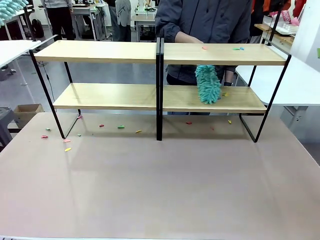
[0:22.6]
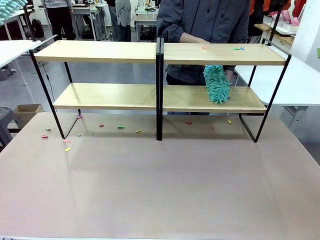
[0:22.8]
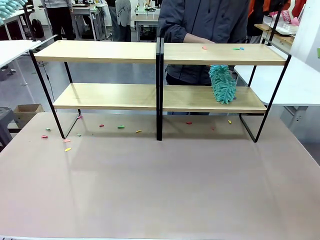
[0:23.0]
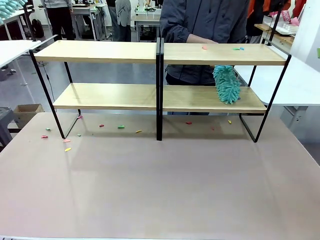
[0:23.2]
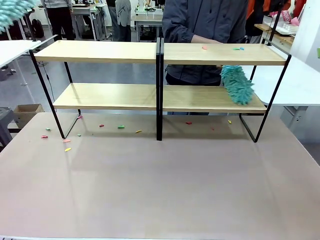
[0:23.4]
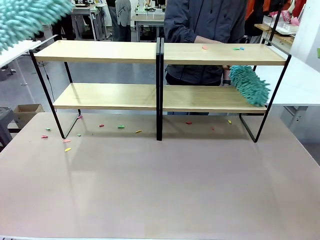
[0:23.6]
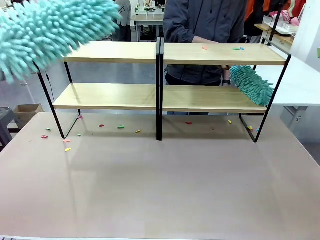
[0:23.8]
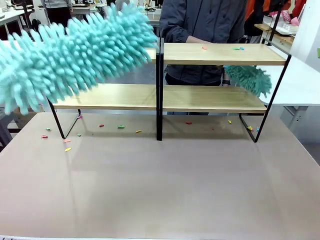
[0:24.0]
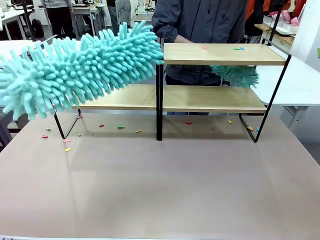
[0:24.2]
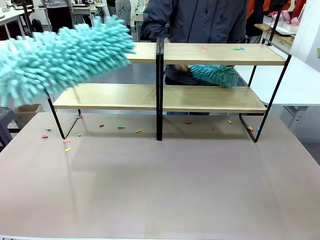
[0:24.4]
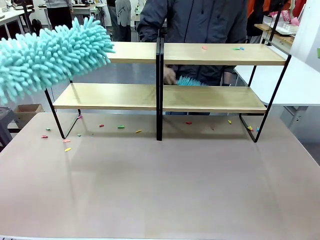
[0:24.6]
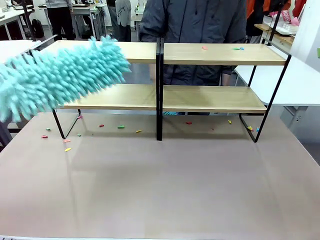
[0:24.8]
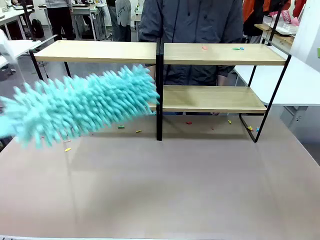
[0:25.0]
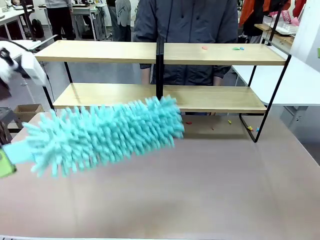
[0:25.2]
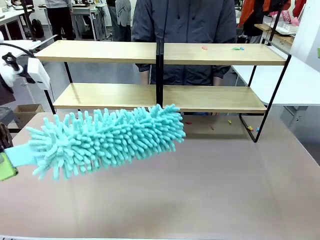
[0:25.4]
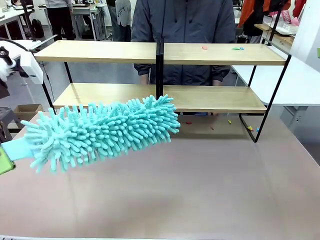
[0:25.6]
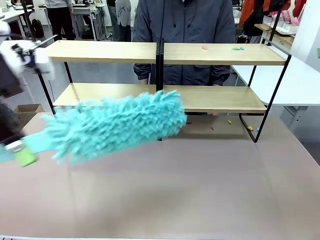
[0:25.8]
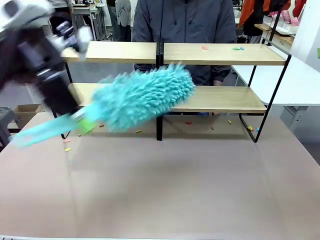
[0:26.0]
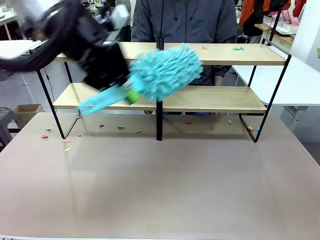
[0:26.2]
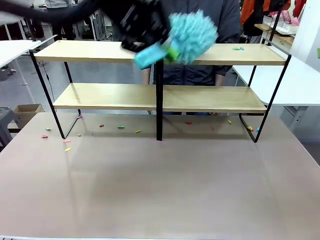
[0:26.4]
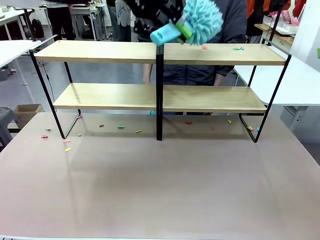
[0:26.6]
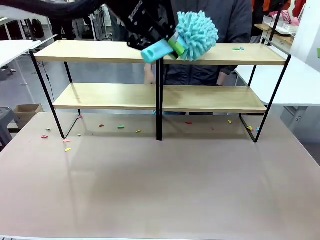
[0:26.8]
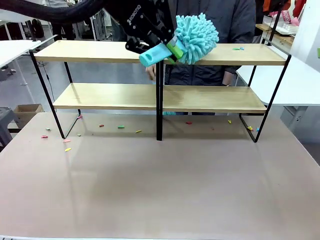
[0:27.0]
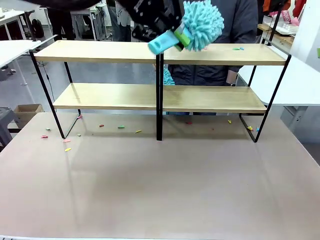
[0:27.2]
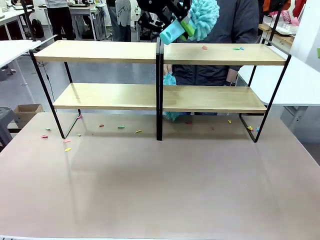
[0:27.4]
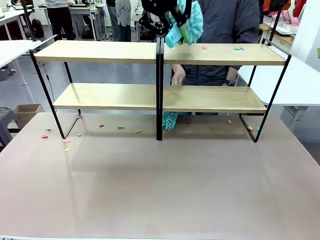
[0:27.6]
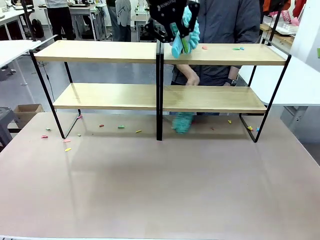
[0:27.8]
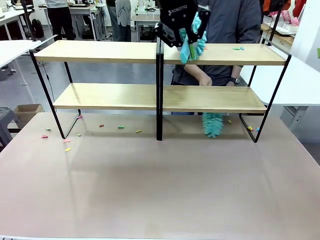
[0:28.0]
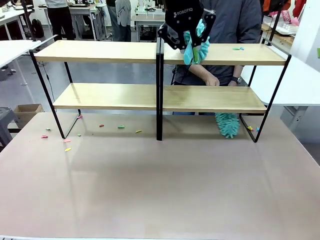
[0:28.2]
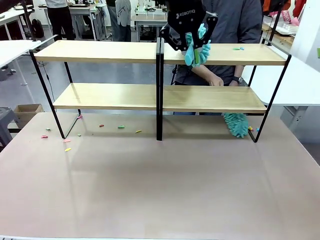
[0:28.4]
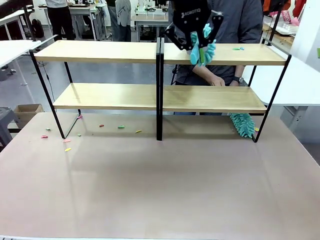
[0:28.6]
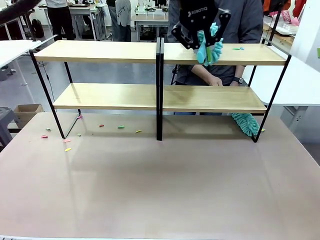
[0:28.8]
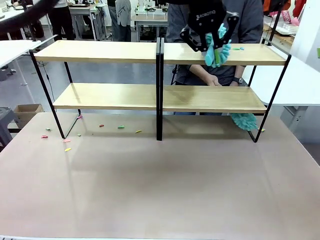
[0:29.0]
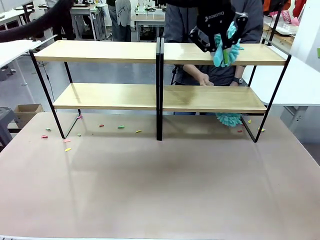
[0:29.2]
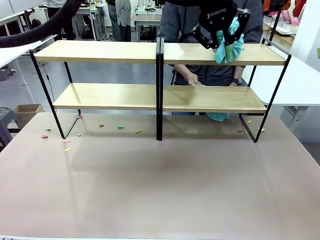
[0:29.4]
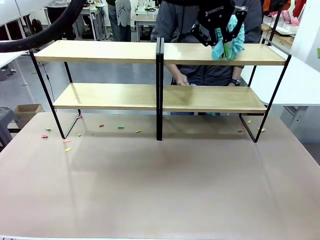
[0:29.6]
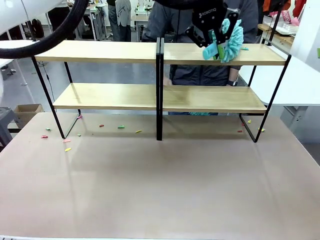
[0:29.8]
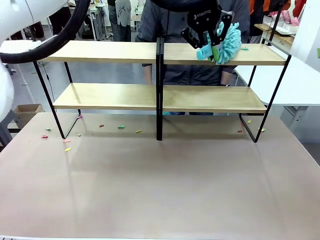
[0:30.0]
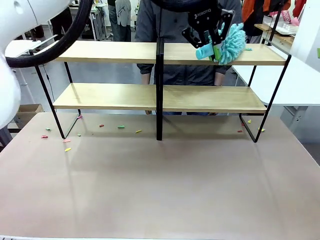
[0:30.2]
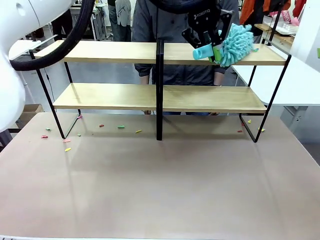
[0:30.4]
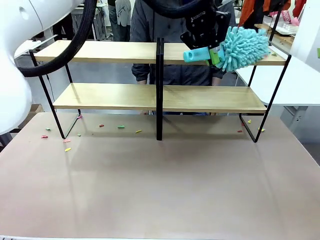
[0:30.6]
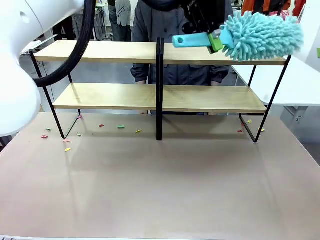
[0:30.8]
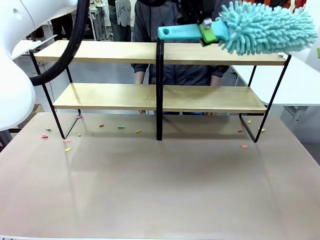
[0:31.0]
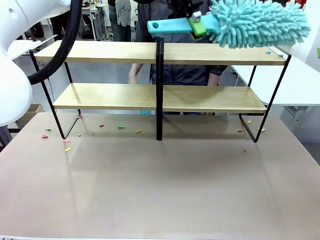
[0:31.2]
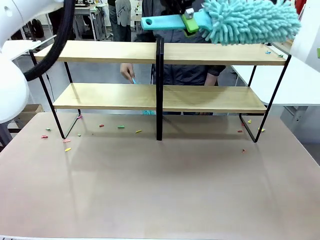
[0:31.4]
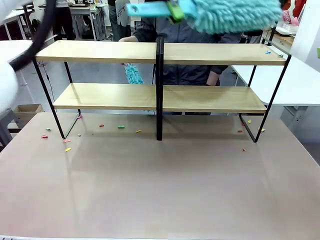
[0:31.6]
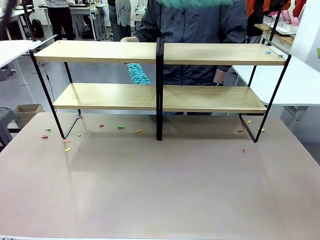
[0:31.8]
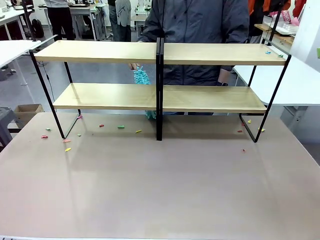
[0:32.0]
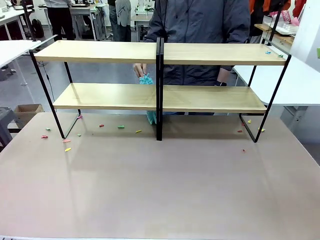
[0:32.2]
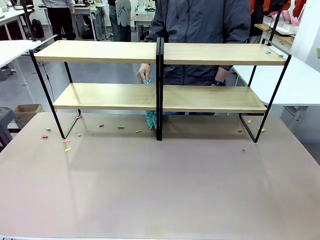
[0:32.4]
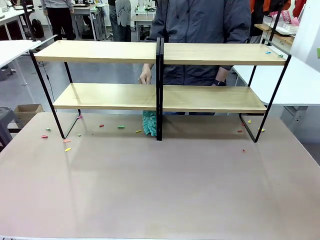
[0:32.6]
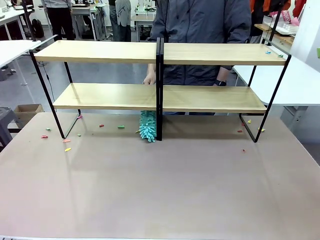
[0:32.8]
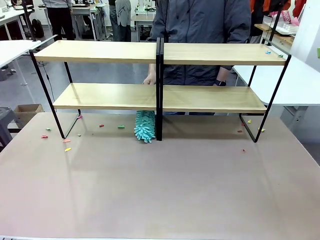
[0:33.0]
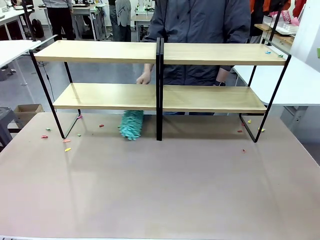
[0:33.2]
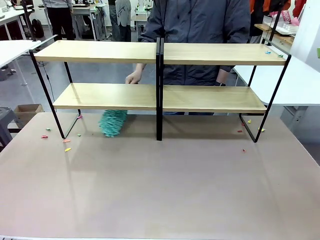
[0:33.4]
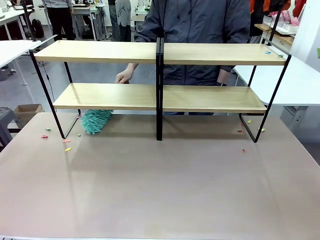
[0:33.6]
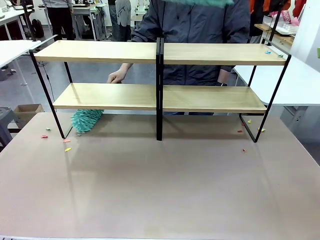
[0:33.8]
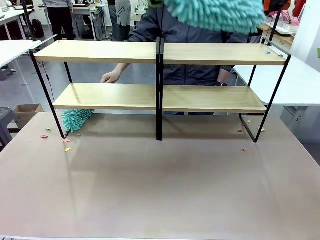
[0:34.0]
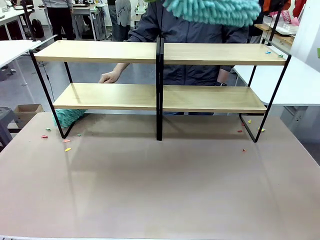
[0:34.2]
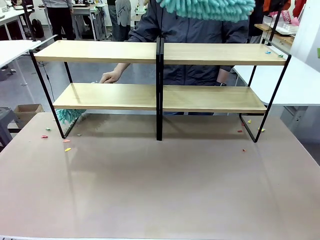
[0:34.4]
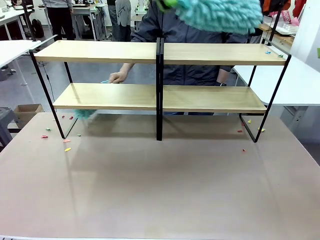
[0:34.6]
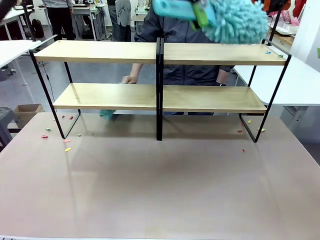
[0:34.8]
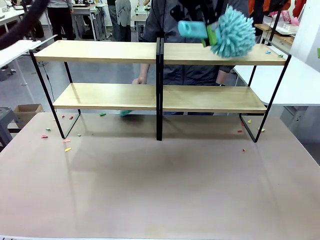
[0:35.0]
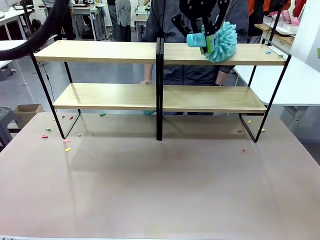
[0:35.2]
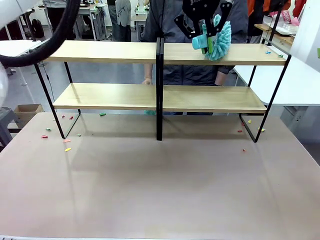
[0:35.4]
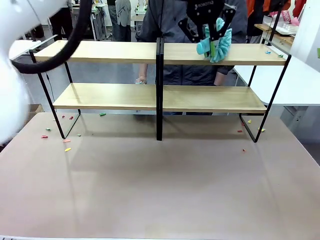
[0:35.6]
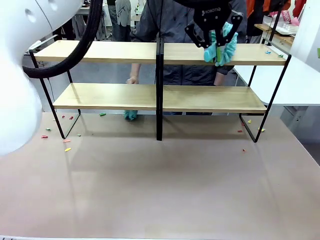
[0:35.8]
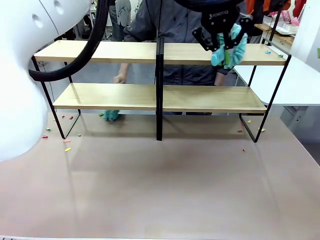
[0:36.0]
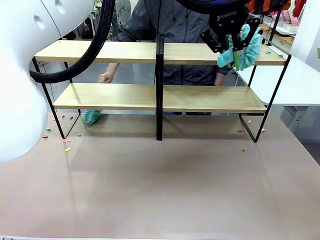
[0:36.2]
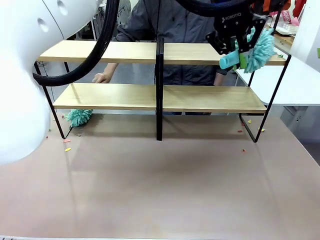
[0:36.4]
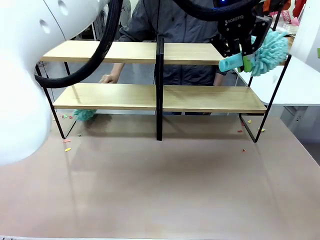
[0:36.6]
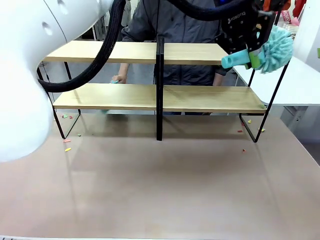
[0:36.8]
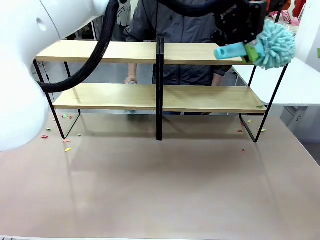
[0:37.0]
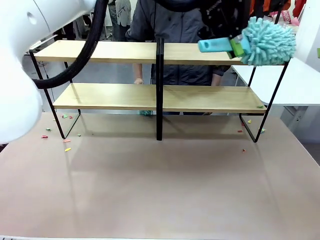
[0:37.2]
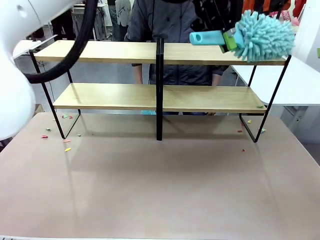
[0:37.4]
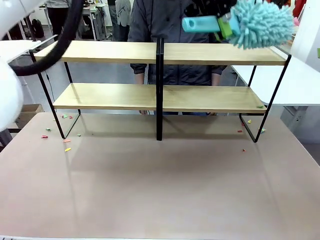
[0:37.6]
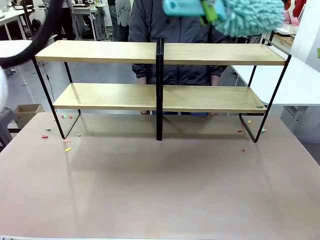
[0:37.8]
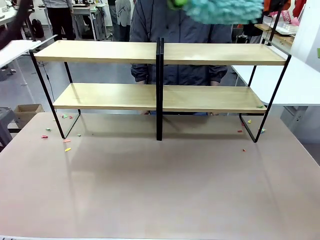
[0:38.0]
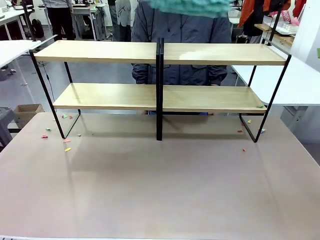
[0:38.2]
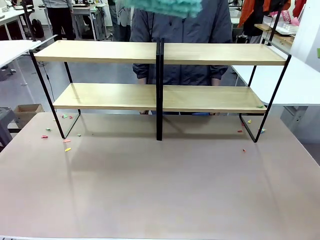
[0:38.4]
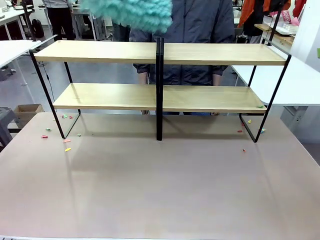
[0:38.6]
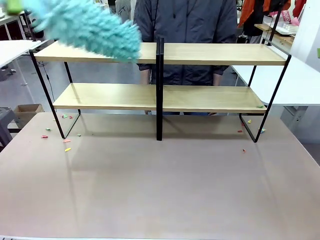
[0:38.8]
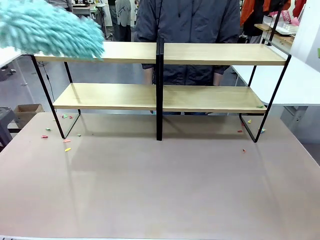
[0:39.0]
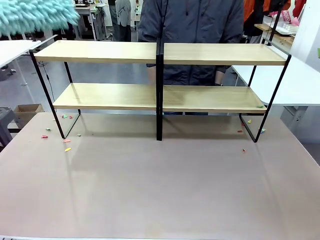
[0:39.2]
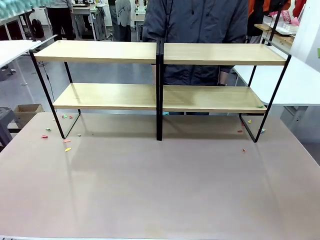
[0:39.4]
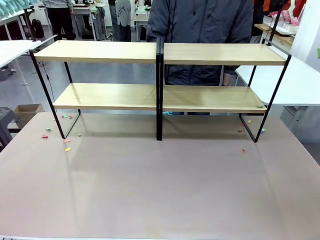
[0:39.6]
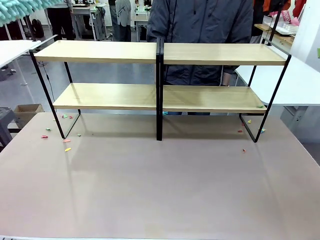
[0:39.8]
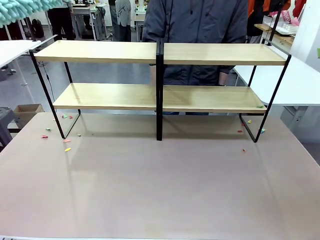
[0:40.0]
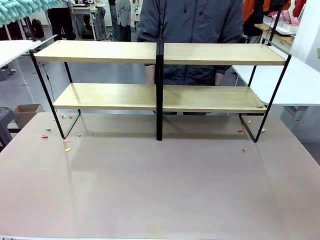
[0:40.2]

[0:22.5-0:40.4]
Task: Clean the shelves.
Robot: Clean another randomly selected level of the Shelf with the Duster.
Person: Clean a randomly selected level of the Shelf with the Duster.

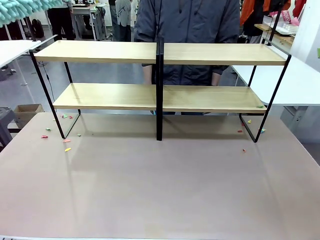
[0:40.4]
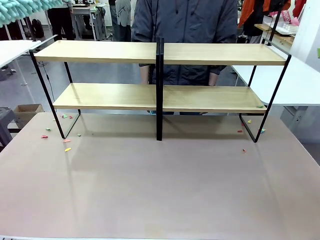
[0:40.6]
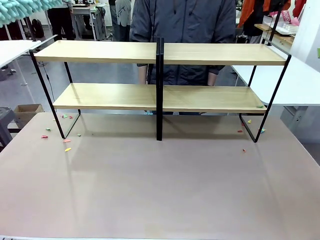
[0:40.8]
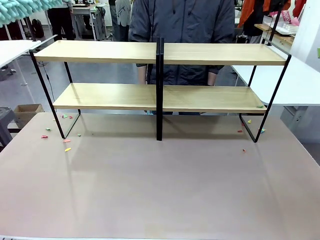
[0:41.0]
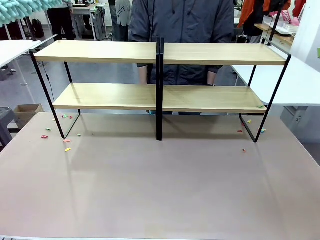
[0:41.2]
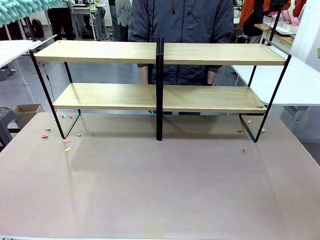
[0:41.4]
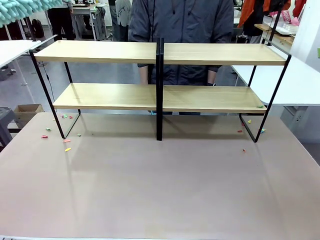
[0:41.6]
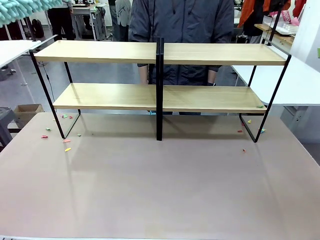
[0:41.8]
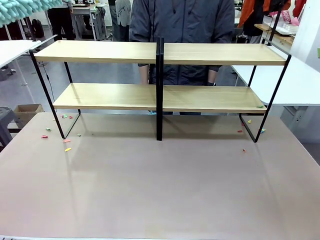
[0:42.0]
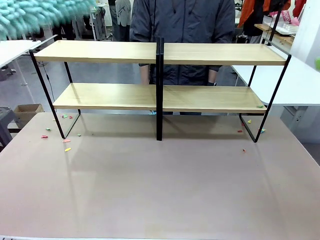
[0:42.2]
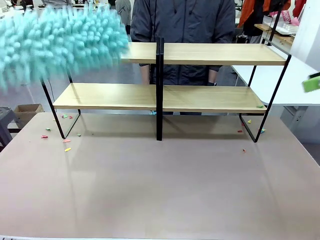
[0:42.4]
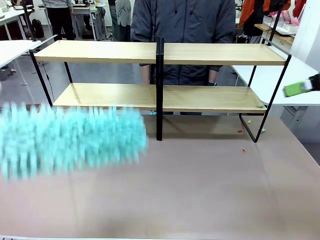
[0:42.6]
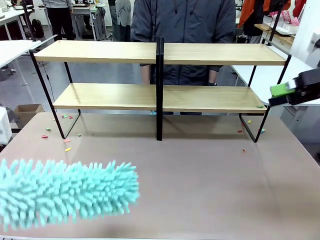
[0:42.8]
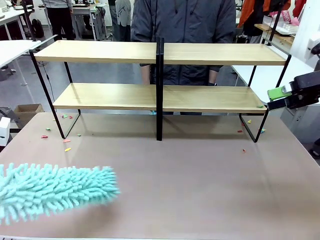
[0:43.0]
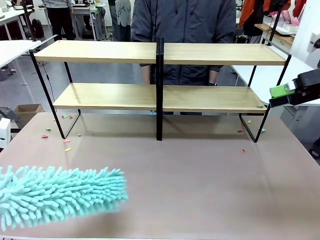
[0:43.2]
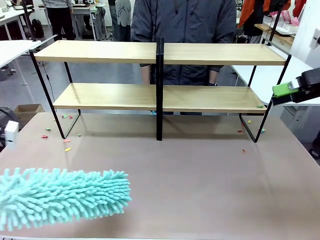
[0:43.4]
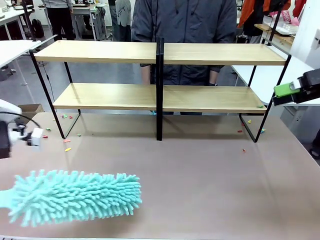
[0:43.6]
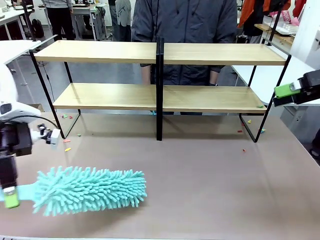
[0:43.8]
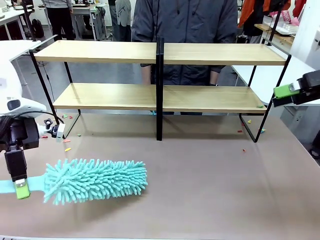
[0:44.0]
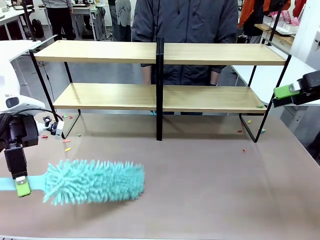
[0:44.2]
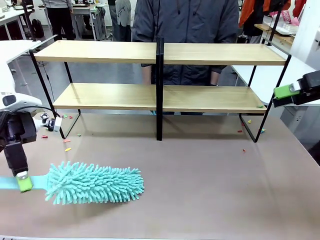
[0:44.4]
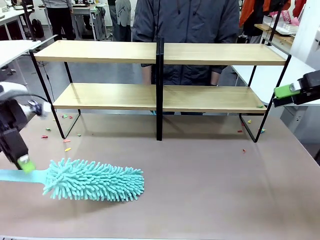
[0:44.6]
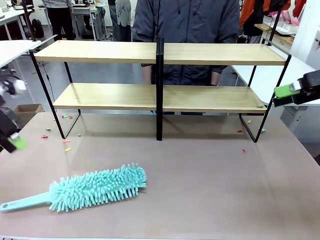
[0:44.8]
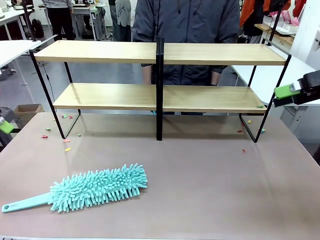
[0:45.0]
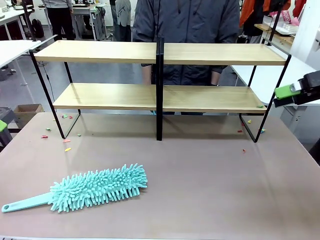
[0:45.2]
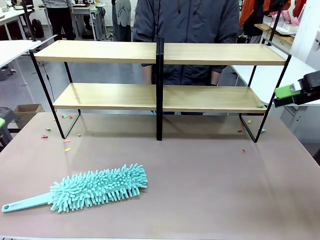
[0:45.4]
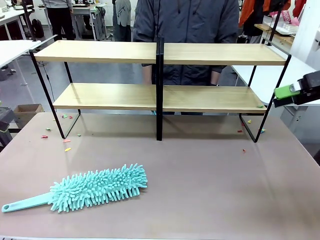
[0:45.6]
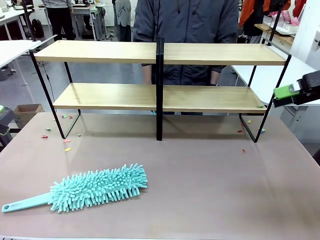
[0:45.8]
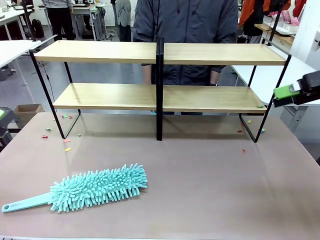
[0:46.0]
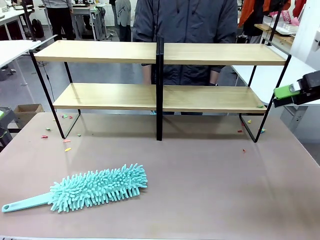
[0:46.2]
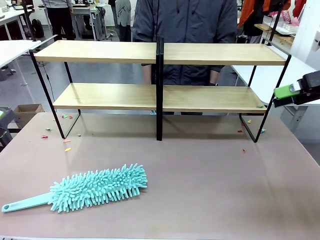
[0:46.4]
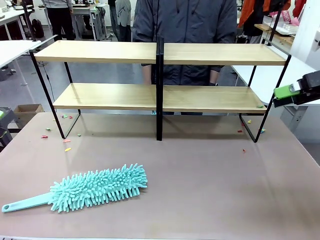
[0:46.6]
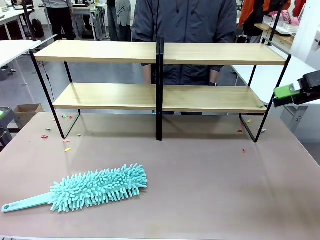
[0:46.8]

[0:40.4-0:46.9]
Robot: Place the Duster on the table.
